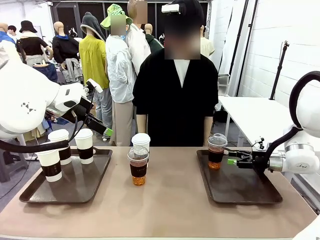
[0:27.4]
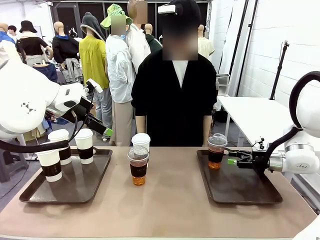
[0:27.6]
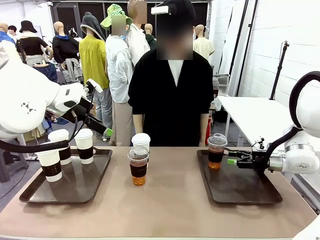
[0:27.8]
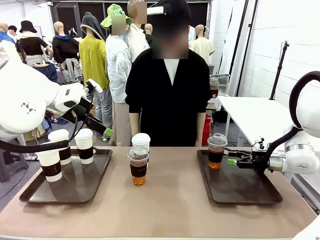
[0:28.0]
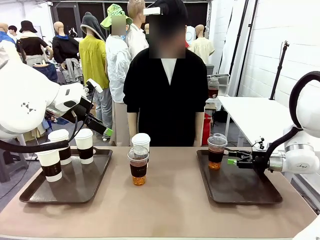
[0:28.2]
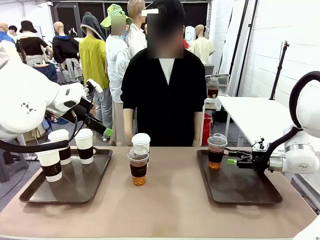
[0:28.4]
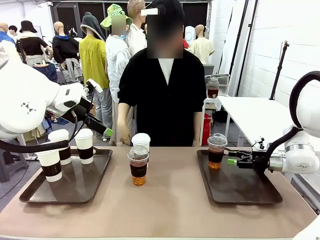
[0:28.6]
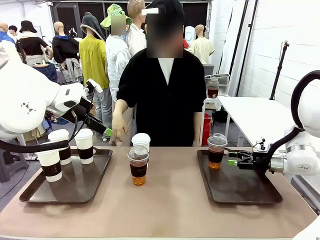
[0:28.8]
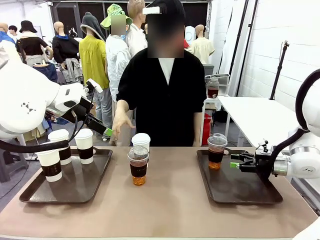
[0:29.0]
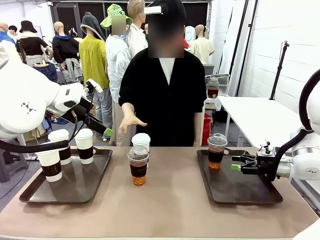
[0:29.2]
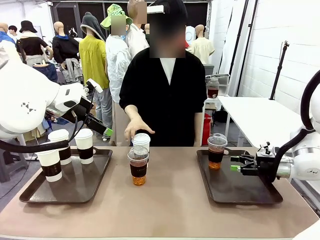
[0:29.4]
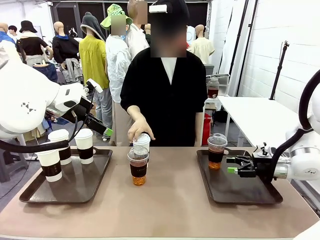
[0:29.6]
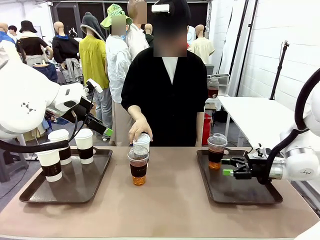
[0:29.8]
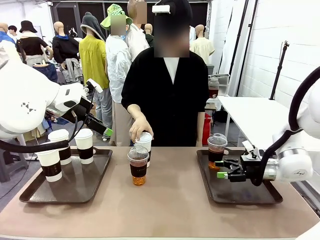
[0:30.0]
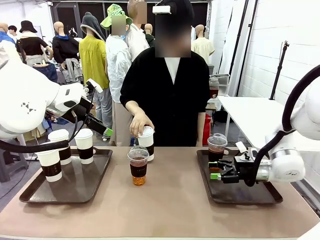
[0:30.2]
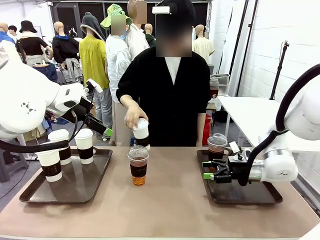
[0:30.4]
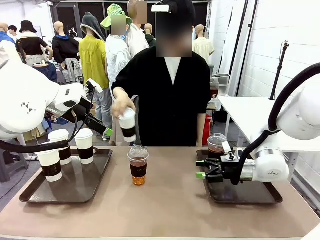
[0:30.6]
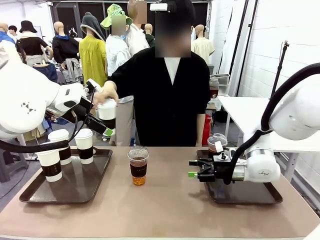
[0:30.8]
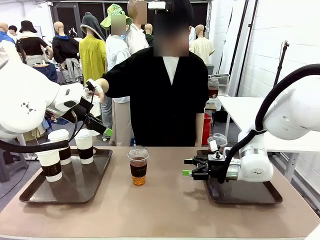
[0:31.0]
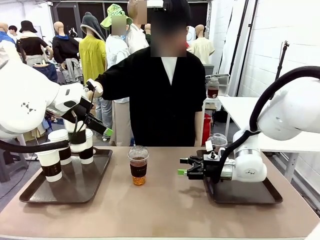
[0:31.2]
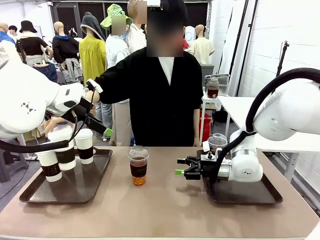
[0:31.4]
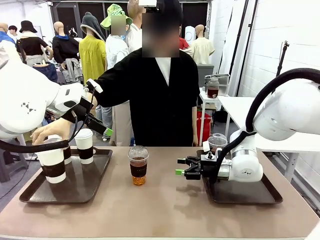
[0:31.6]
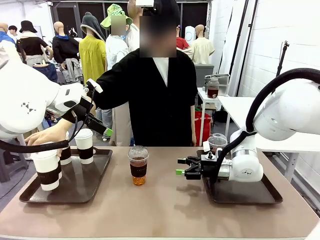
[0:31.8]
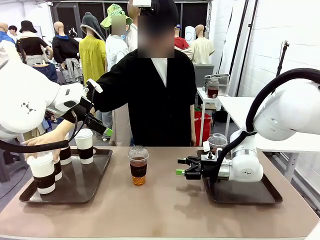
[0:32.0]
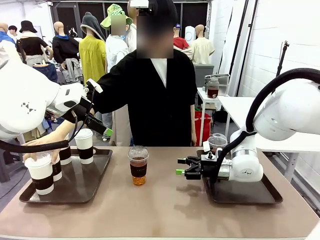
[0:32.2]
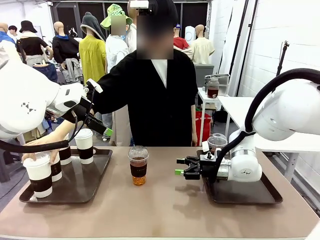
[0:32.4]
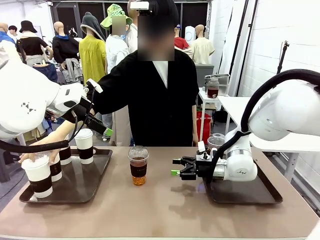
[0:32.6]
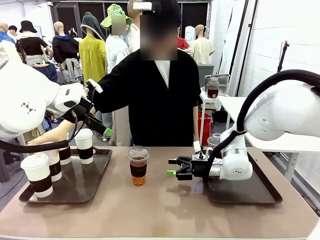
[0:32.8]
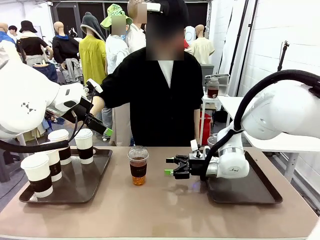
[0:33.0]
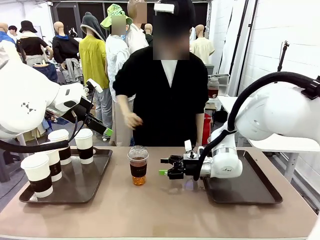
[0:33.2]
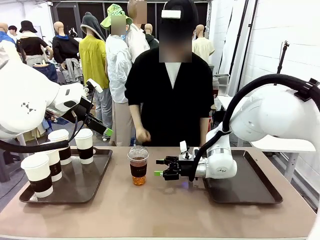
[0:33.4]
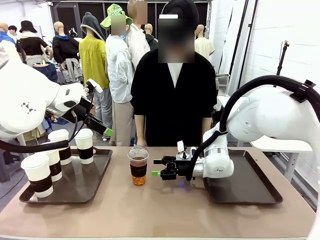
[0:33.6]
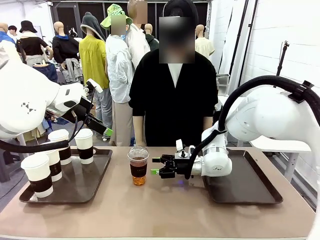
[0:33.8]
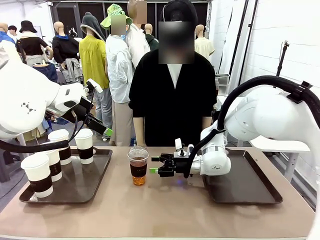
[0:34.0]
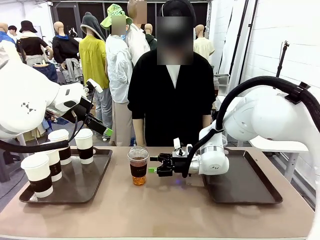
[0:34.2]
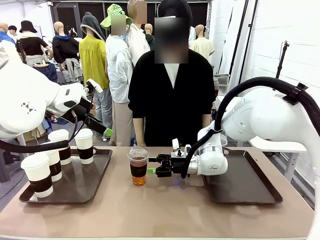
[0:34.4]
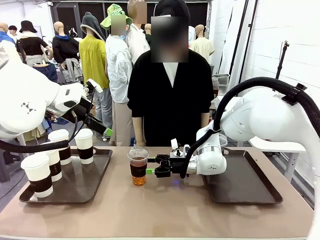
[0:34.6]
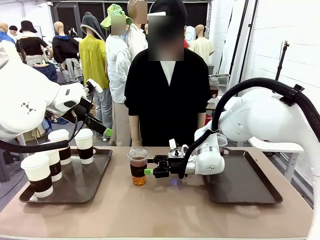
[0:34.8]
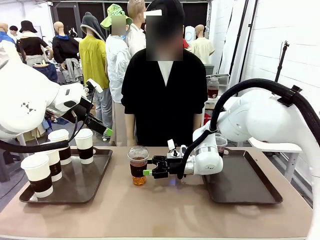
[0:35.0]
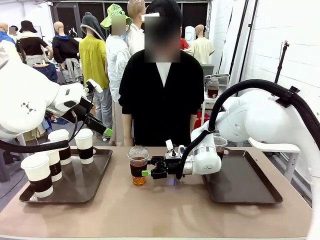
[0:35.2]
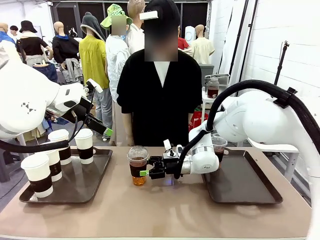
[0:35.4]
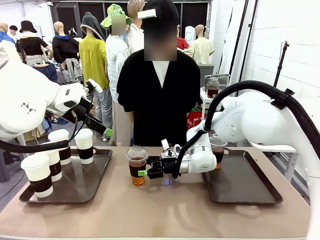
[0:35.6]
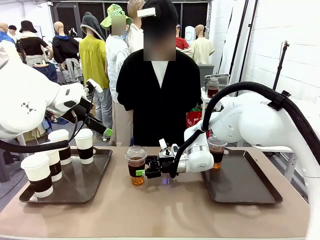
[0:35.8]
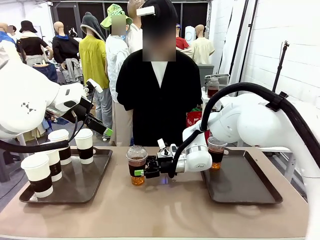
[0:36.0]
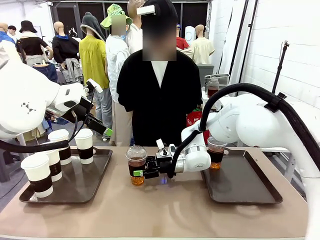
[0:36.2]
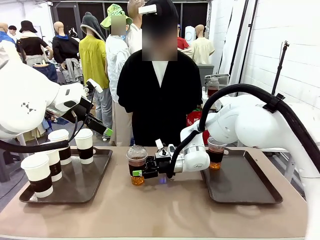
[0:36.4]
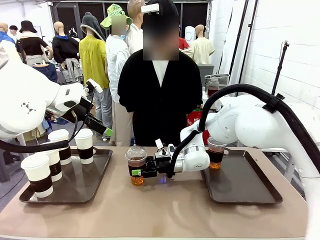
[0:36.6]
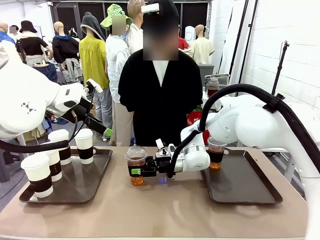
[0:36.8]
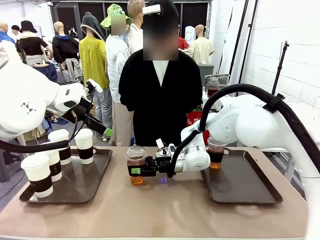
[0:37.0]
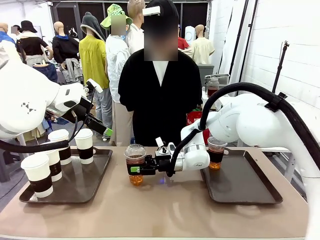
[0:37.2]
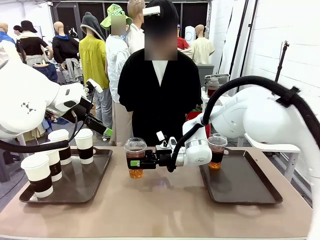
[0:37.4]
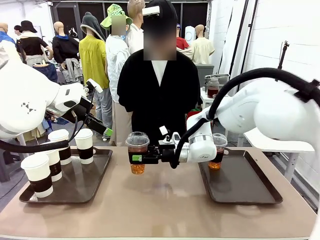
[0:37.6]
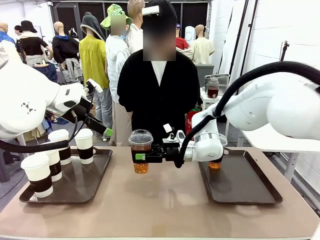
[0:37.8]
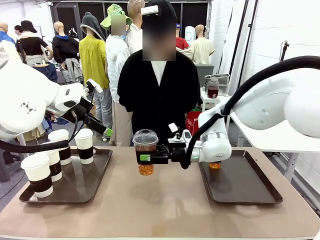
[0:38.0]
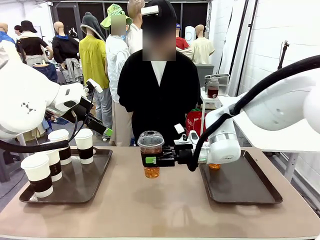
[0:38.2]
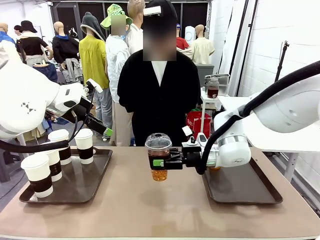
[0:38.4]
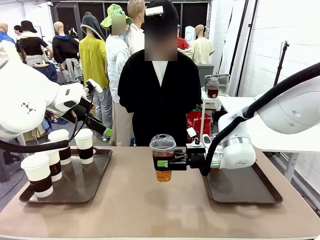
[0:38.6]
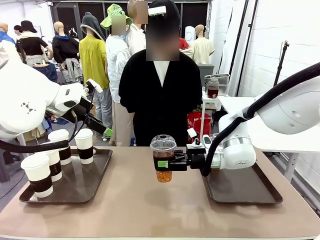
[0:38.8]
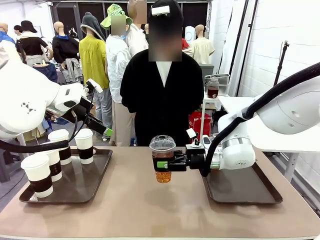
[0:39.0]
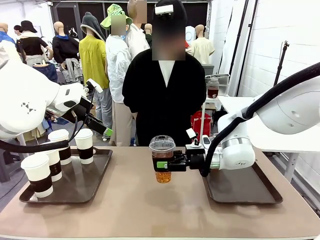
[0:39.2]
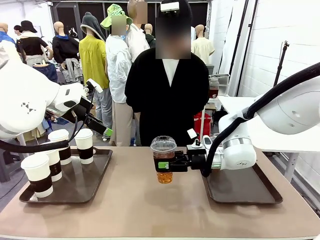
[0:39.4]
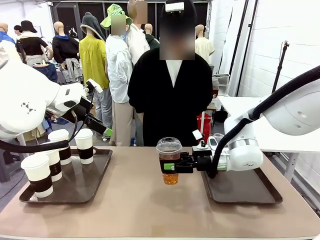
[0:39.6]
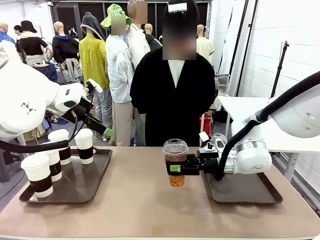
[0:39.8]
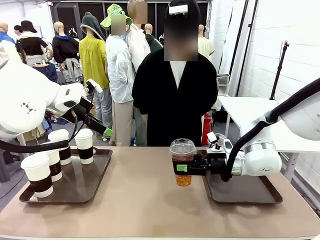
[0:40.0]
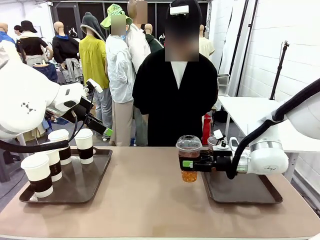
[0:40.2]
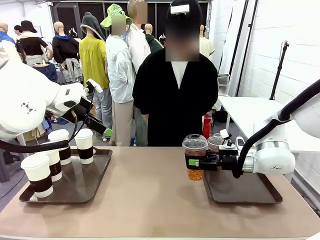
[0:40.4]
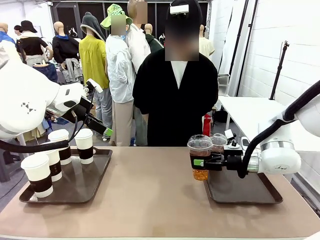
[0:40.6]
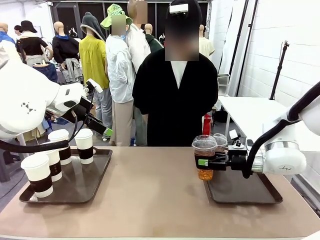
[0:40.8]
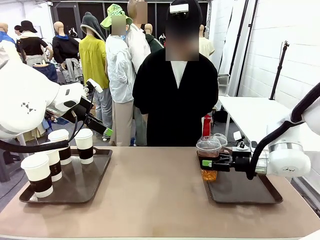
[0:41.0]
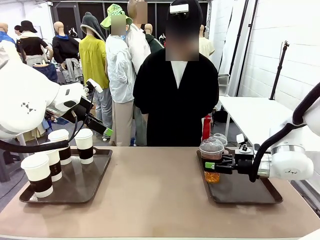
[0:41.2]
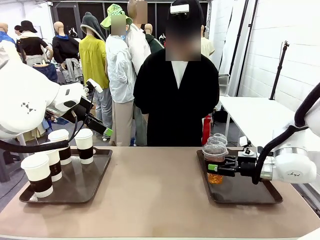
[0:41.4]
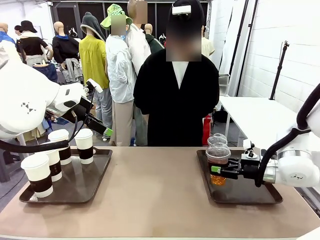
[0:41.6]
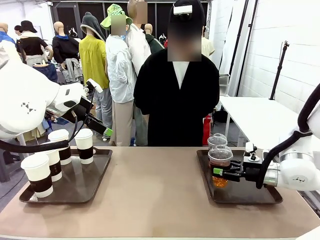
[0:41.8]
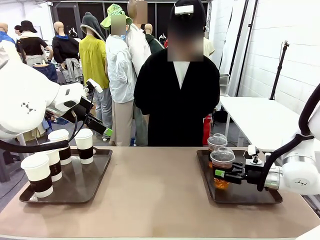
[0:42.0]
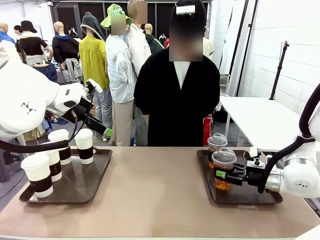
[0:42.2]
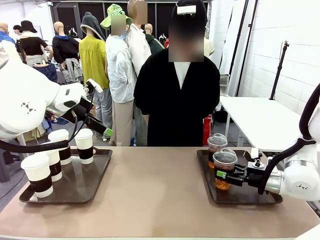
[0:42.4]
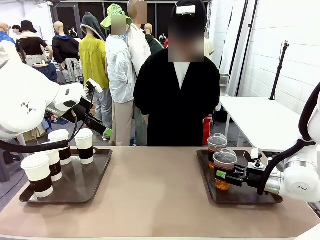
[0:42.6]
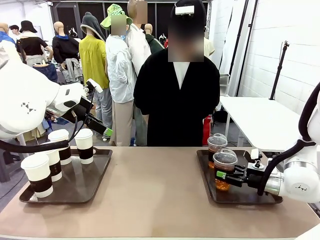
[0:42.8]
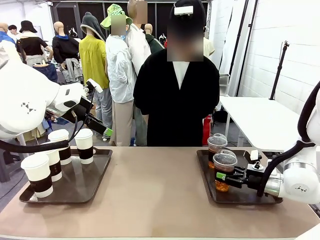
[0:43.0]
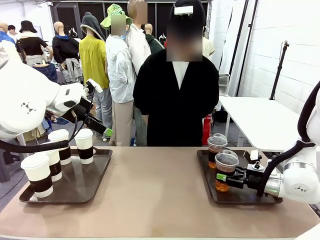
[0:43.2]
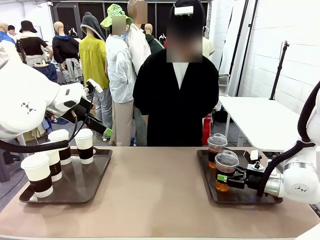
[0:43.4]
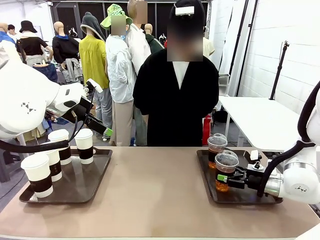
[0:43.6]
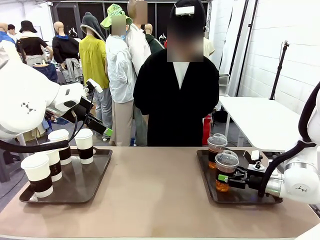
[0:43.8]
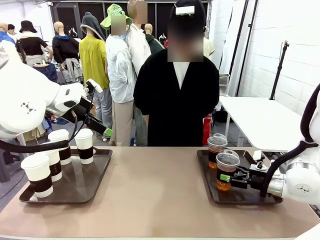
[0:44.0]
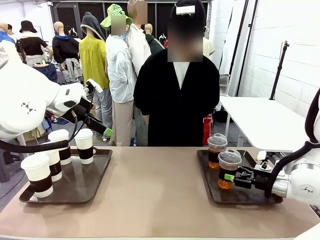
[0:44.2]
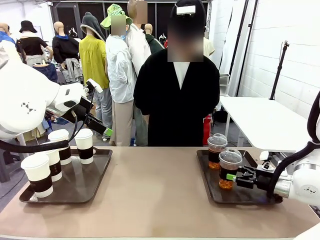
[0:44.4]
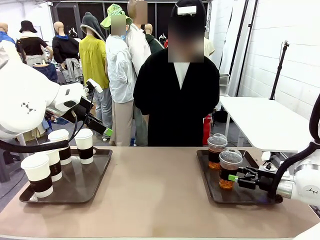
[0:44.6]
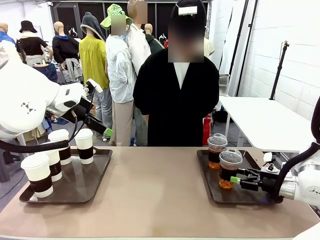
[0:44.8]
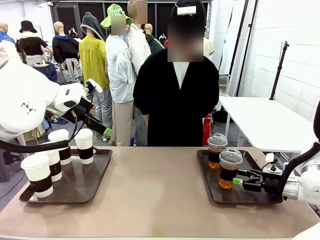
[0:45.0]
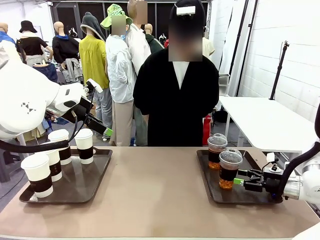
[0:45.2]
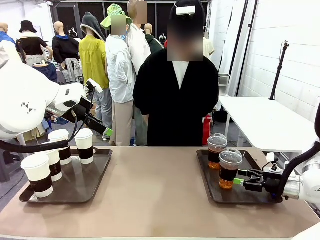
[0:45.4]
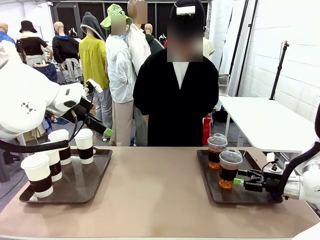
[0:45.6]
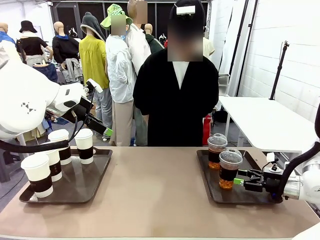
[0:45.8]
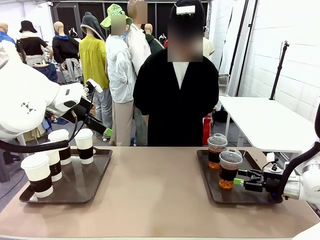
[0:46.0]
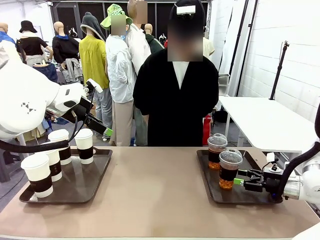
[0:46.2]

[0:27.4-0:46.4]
Task: Distribute the coffee onto the tray.
Robot: Pick up another iced Americano from the middle of the table and place it on the right Handle tray.
Person: Pick up a cup of hot Americano from the middle of the table and place it on the right tray.
